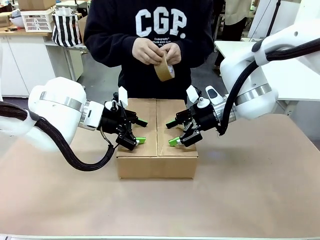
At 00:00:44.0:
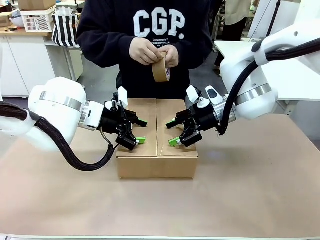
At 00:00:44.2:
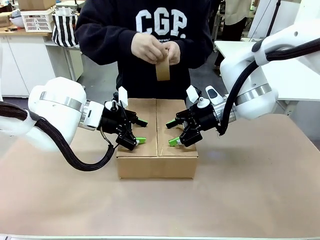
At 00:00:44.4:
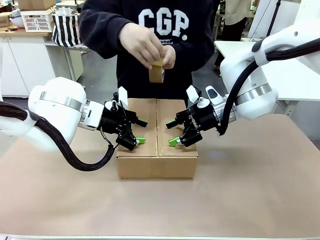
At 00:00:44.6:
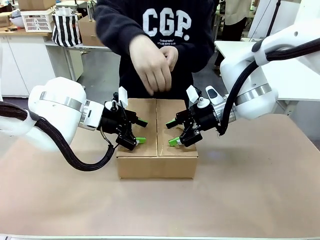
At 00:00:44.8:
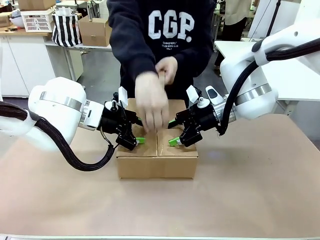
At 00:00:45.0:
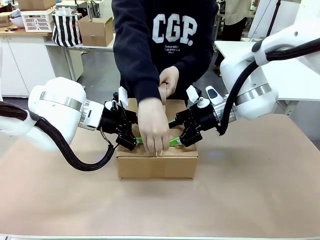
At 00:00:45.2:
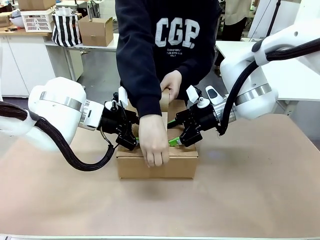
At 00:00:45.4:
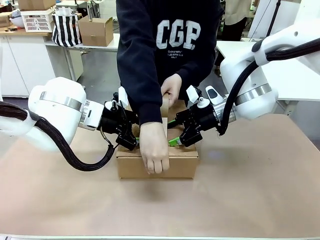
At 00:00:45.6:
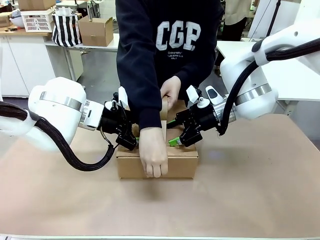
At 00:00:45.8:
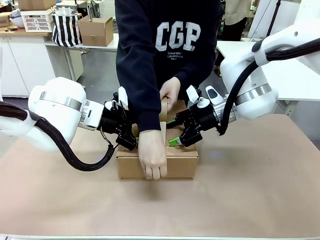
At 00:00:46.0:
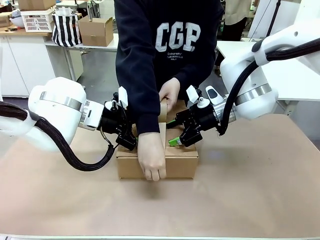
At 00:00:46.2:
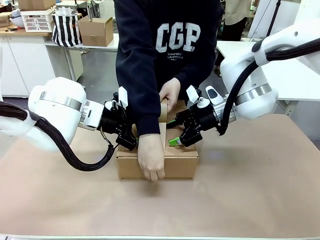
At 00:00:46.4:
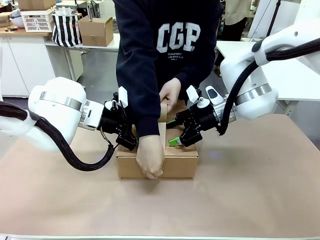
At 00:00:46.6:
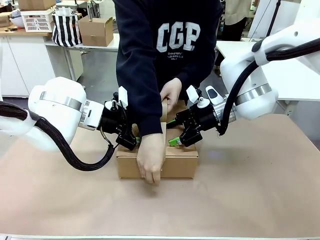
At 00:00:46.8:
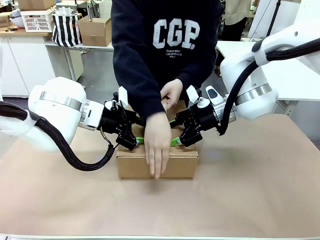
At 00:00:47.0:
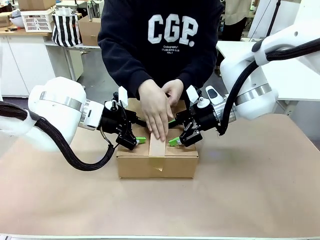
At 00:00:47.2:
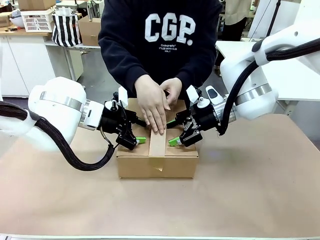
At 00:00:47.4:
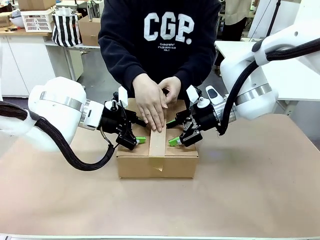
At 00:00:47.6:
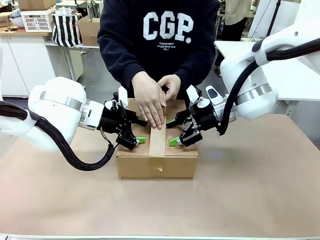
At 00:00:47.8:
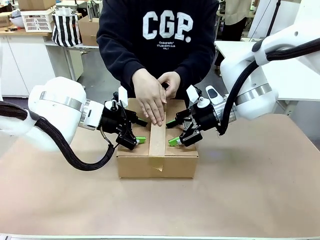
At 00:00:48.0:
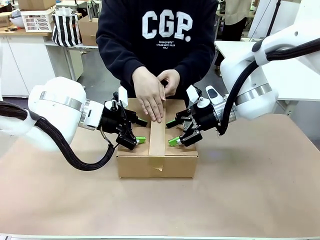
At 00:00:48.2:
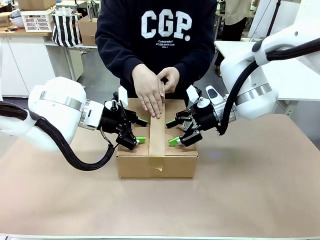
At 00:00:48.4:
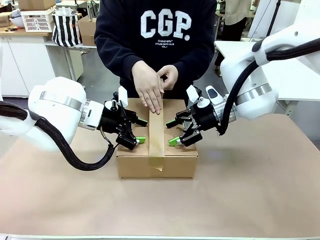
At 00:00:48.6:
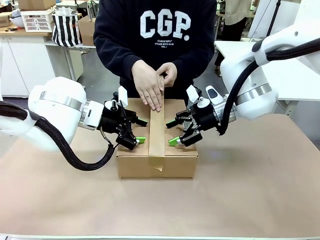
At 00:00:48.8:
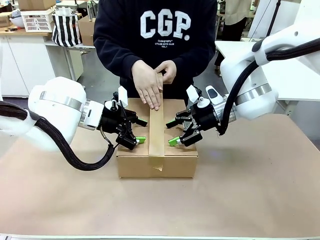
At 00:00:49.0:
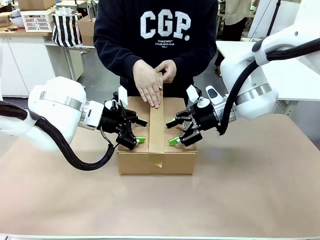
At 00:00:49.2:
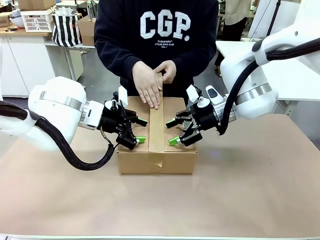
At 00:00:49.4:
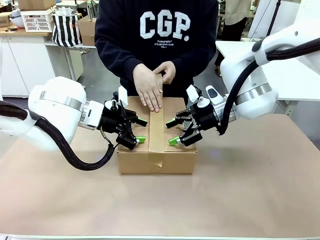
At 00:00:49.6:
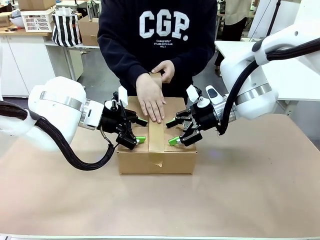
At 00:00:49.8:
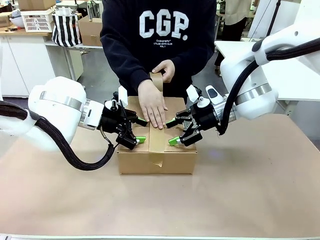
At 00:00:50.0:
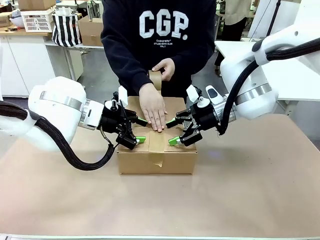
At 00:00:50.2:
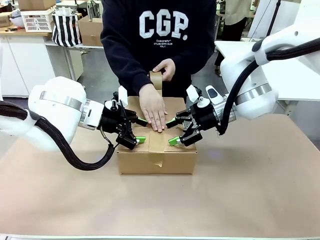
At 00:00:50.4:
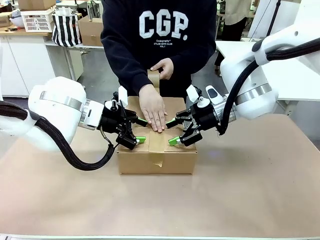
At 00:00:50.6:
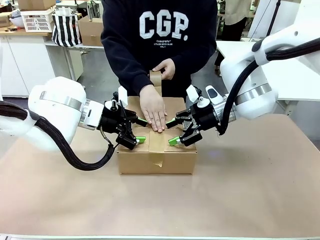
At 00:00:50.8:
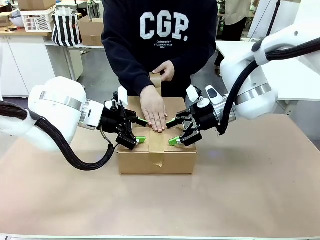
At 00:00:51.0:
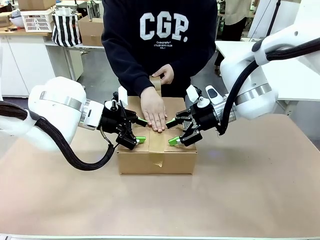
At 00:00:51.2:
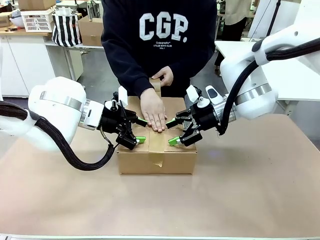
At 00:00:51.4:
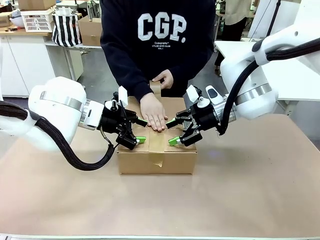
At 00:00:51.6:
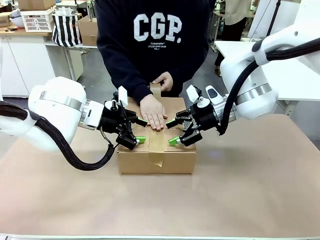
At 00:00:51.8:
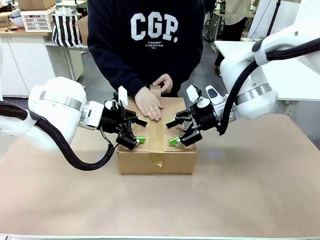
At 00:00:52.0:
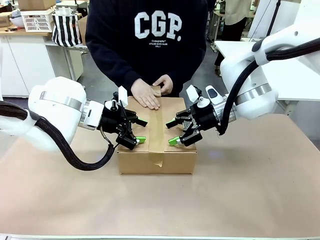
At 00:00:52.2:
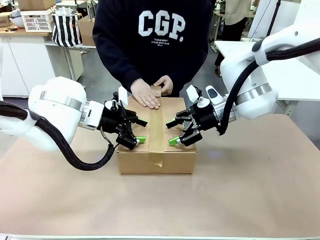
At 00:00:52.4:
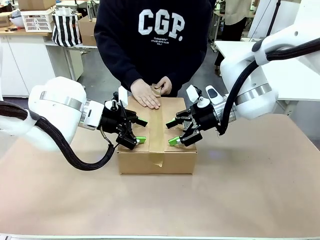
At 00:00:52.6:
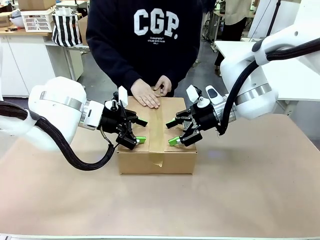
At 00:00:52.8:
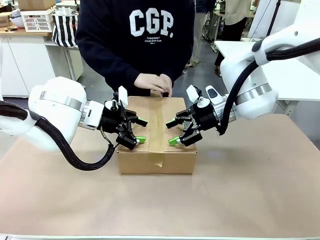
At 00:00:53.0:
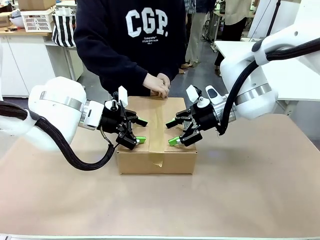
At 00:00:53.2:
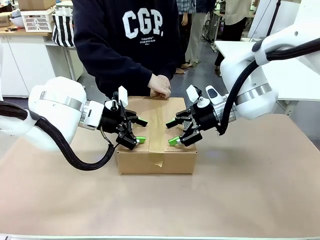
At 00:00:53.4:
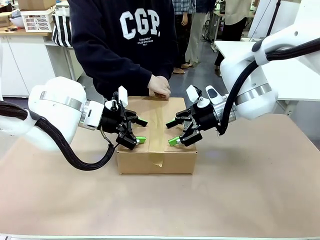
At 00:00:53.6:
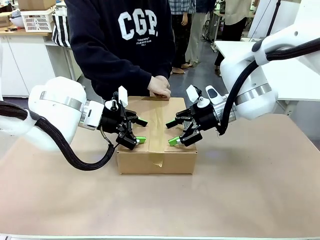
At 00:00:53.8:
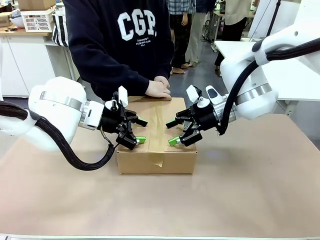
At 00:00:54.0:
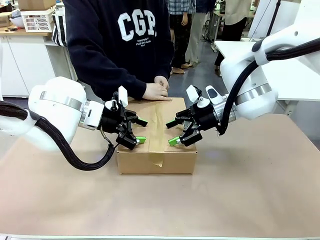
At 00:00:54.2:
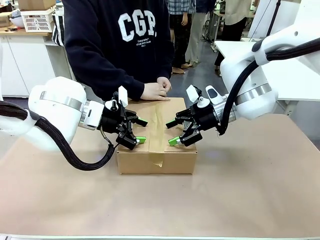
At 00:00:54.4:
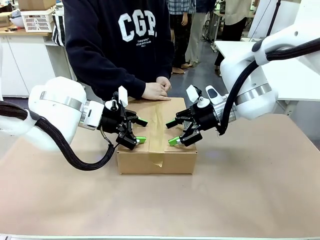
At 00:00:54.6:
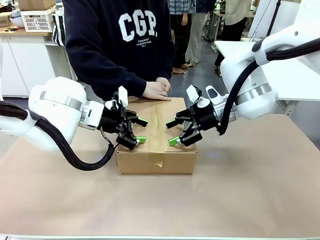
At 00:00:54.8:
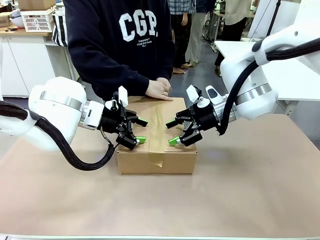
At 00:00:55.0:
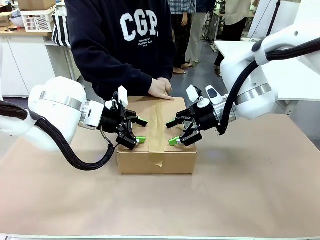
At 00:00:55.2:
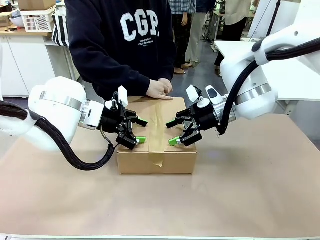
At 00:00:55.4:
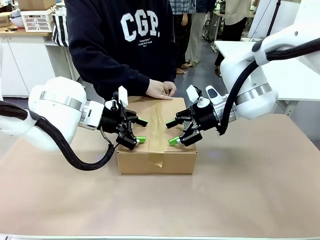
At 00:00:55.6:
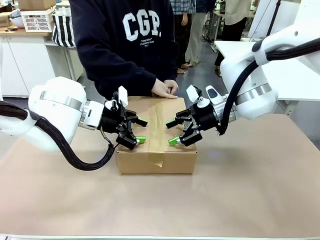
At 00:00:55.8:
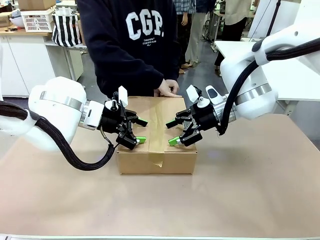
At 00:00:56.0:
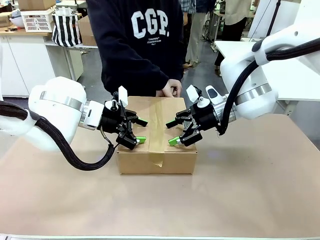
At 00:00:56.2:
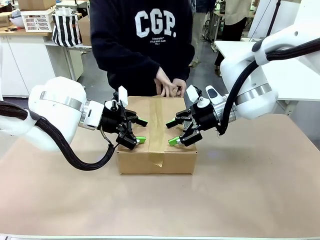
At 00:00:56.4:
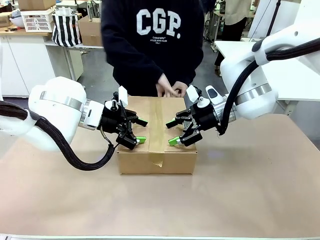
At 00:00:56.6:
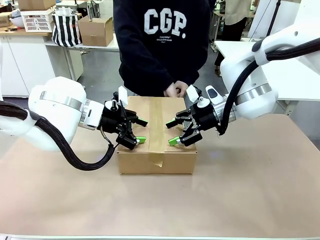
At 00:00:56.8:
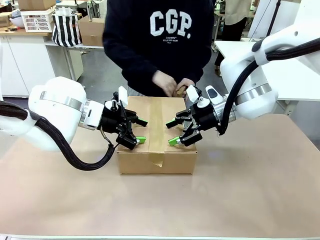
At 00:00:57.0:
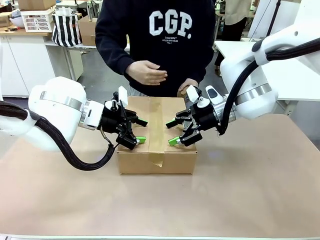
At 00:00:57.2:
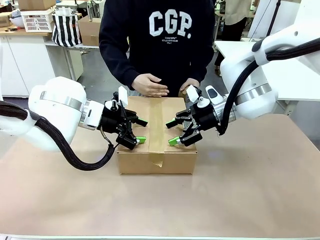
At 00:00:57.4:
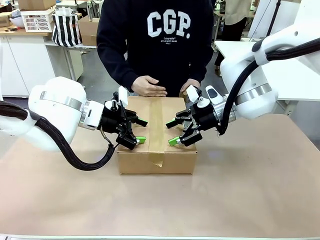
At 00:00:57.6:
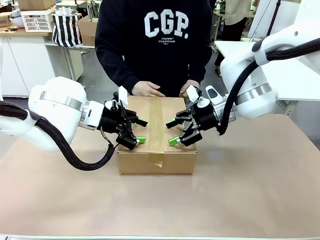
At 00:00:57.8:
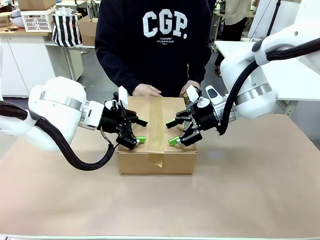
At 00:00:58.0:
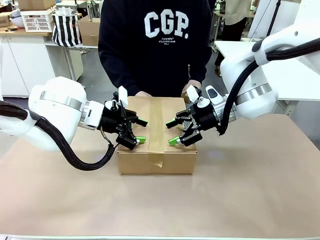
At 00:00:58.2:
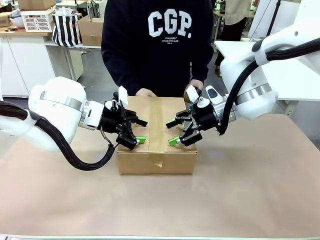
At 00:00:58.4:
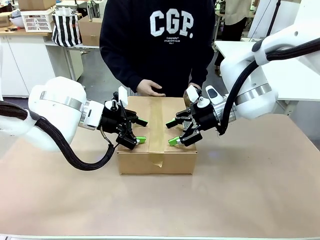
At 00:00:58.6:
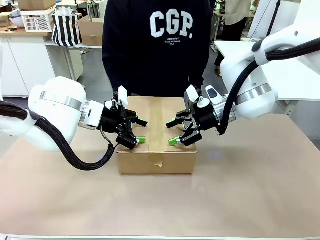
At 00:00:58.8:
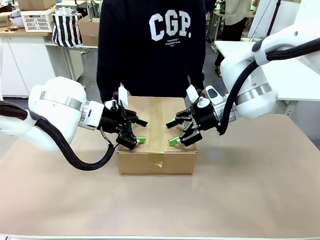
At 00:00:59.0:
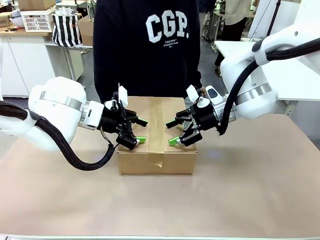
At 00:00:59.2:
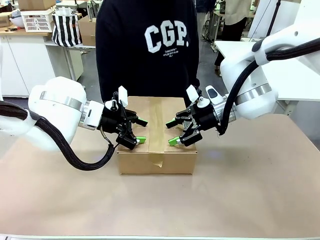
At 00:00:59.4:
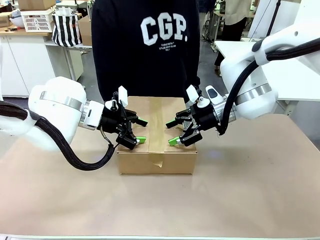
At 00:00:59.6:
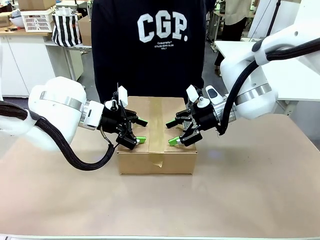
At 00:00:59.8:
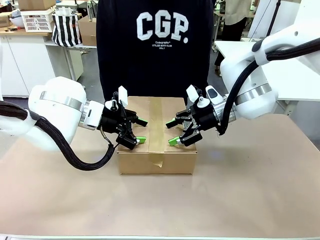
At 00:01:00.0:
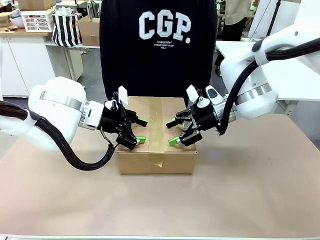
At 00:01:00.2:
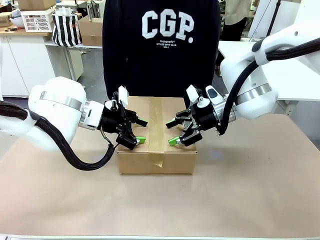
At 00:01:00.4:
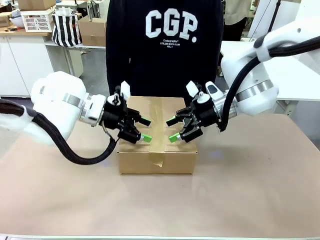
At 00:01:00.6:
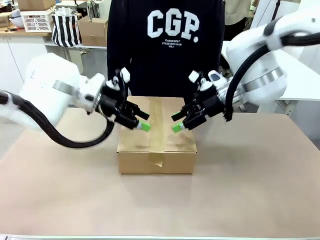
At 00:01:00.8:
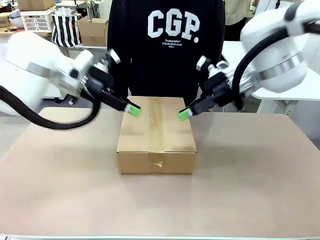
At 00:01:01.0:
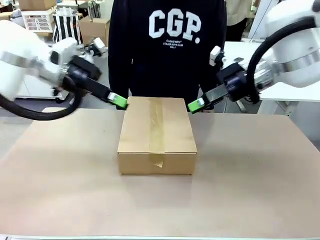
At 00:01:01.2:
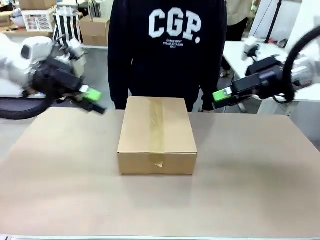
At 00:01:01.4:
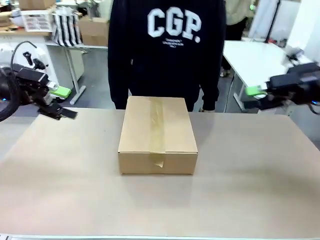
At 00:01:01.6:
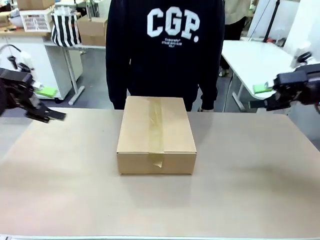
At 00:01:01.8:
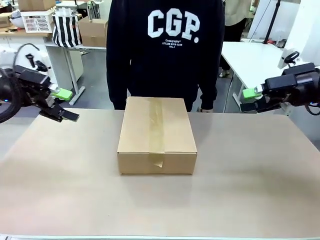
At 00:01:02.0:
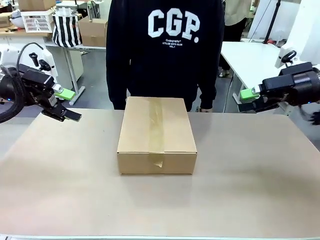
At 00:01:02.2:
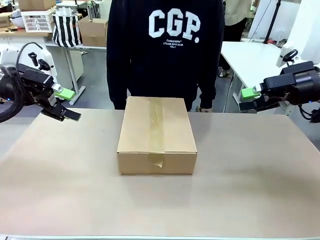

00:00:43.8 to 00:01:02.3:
Task: Pack the gift set into the box.
Robot: Press and hold the closed box until the human finishes sealing it.
Person: The human picks up the paper tape from the human table and packs the box.
